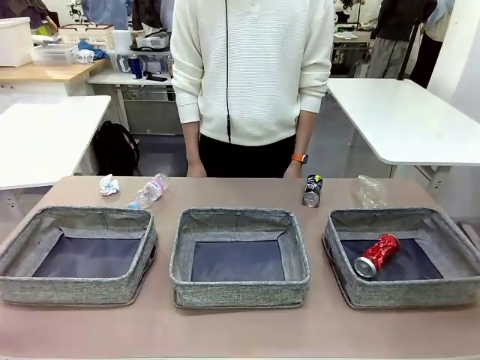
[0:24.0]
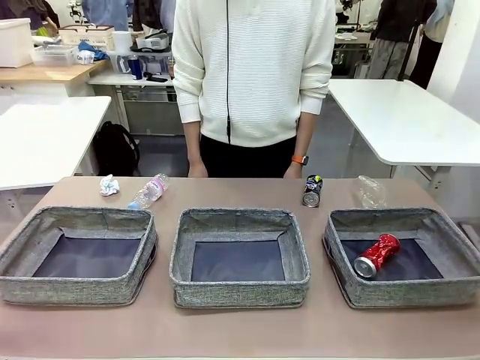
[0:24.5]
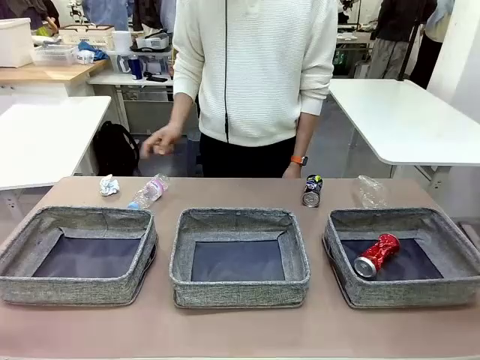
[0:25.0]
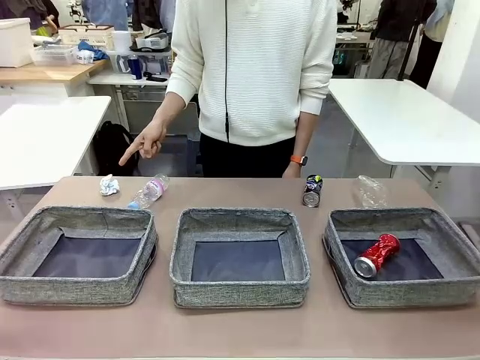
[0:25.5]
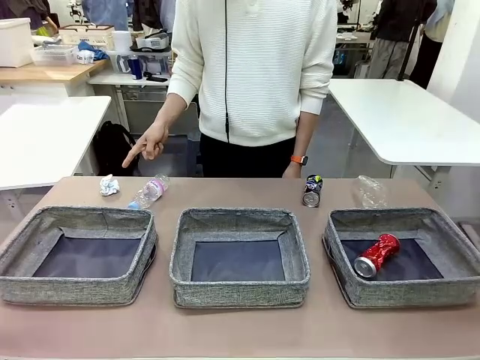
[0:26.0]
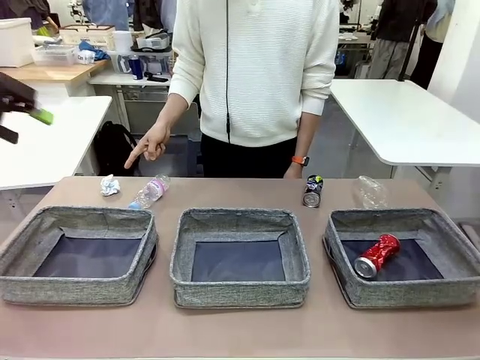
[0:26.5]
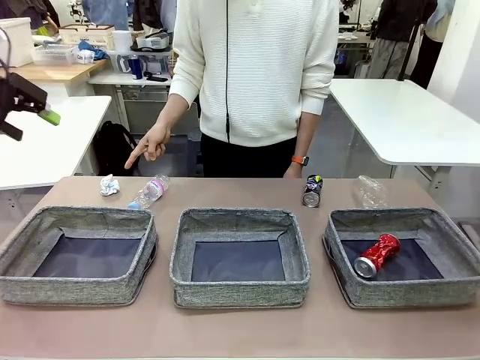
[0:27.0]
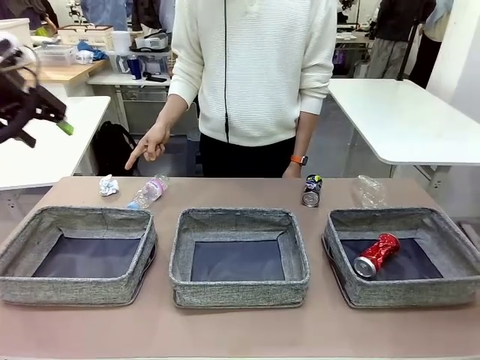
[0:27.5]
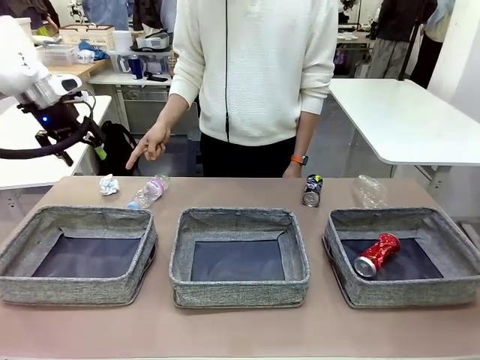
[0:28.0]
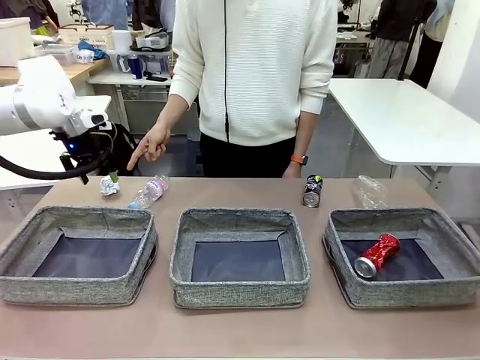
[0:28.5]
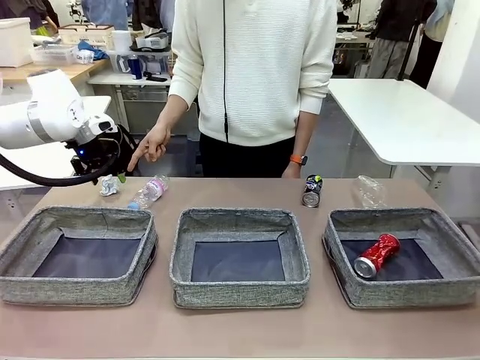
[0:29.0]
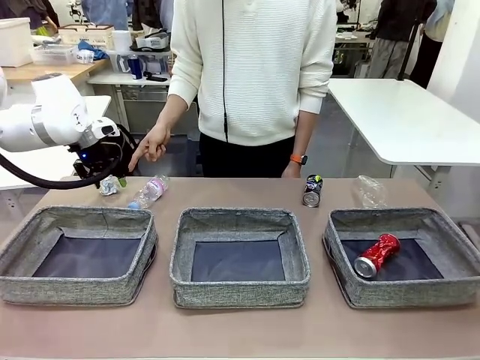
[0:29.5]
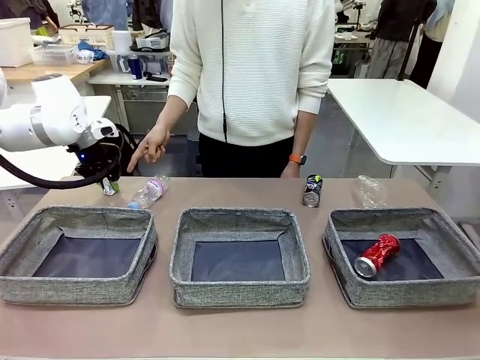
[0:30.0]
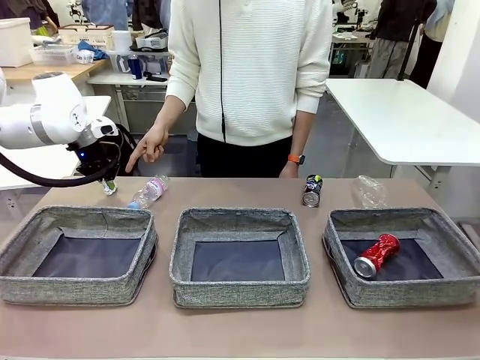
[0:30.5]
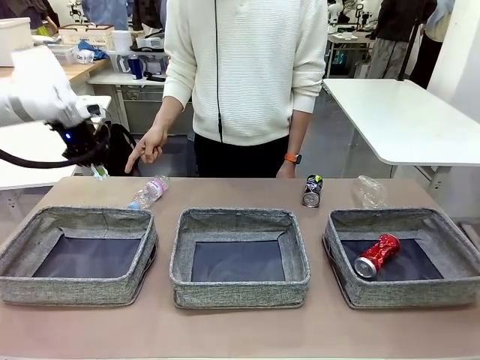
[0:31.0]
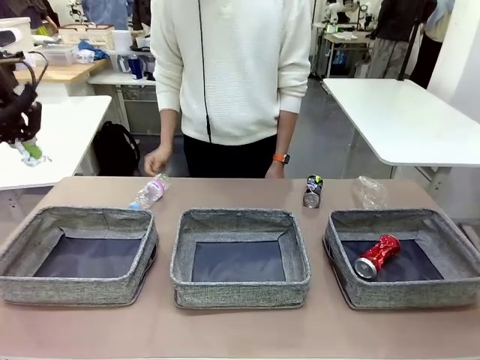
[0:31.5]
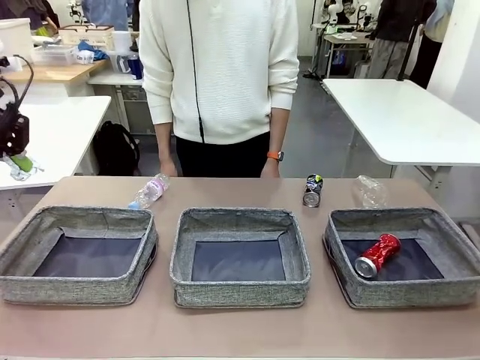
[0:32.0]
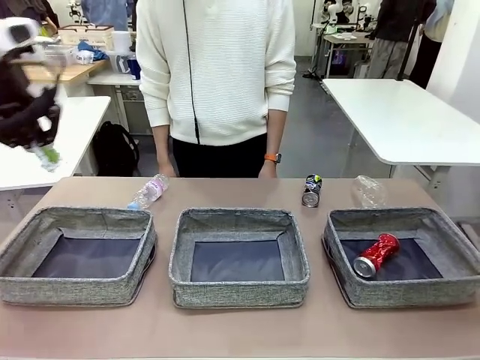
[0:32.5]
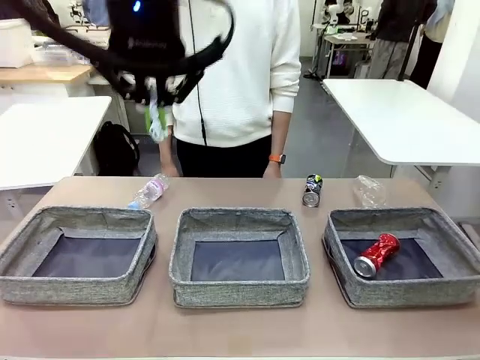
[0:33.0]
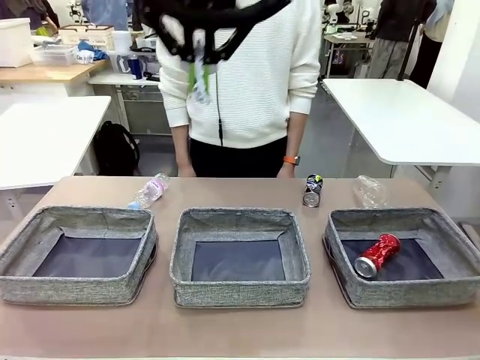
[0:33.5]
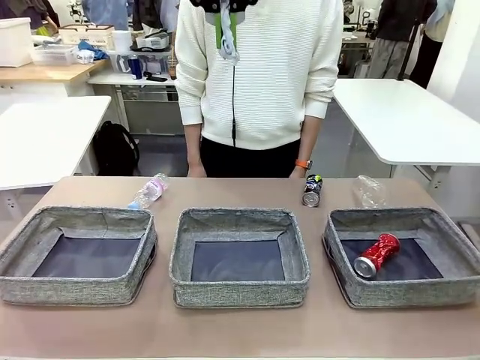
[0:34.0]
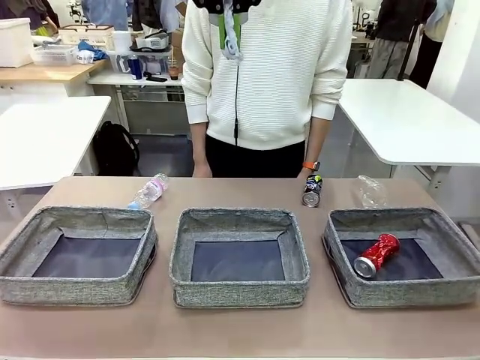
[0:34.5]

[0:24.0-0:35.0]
Task: Sort the waste into the appropriate baskets.
Robot: Pick up the waste item pointed out by the person.
Person: Points to one piece of trash on the table.

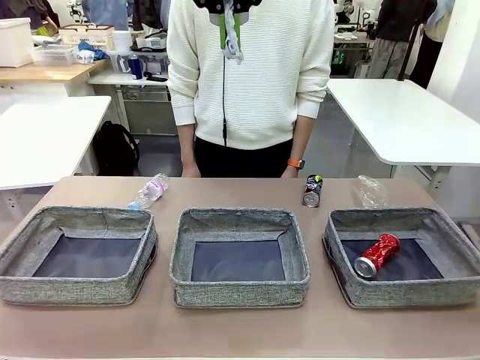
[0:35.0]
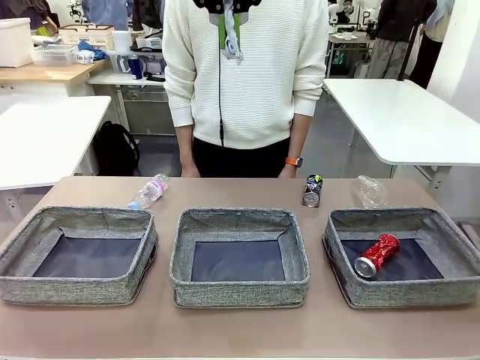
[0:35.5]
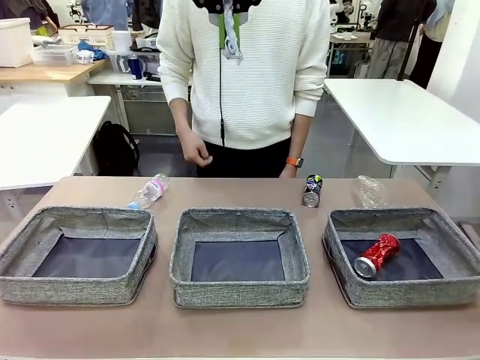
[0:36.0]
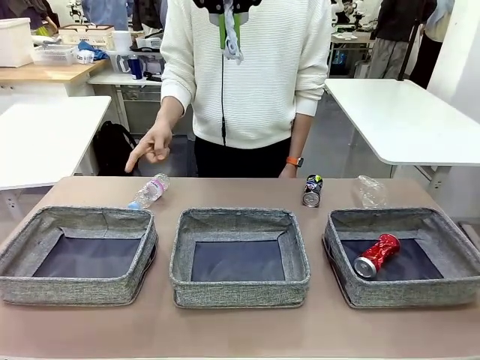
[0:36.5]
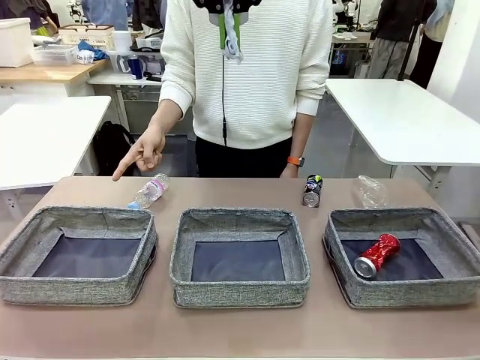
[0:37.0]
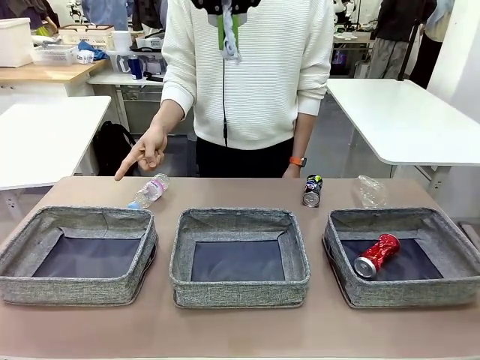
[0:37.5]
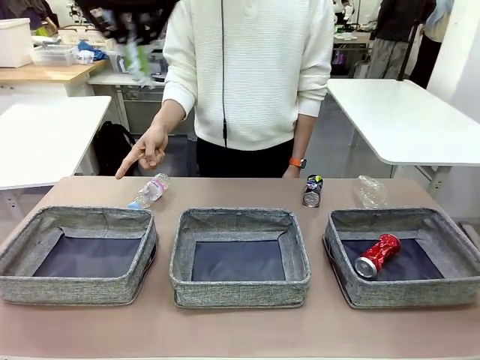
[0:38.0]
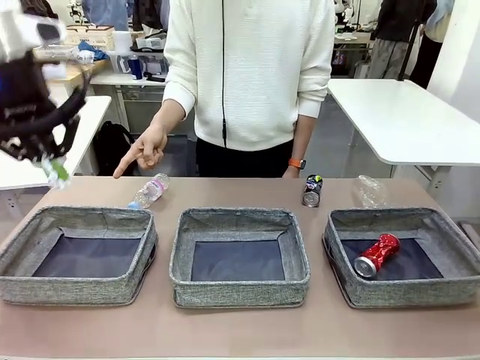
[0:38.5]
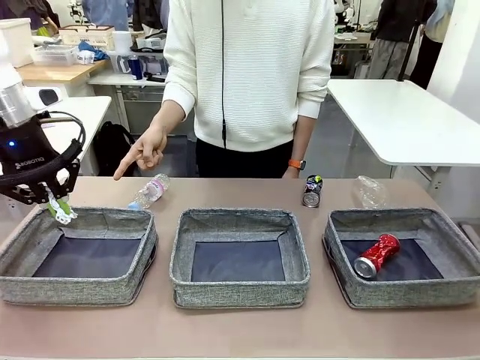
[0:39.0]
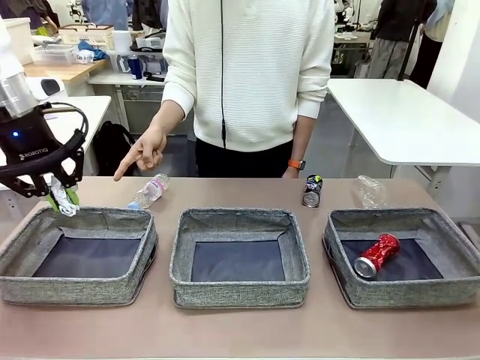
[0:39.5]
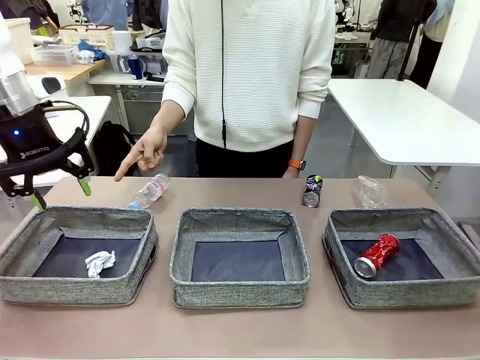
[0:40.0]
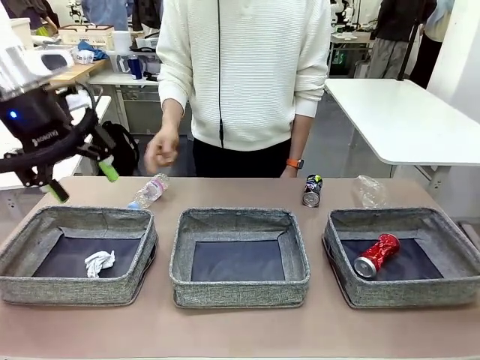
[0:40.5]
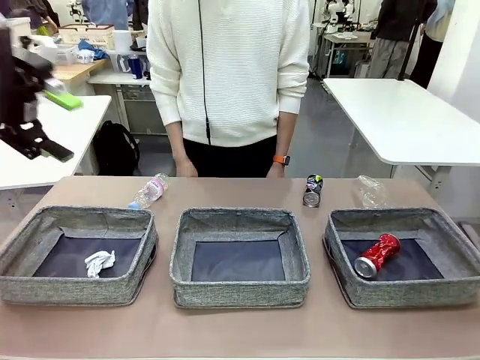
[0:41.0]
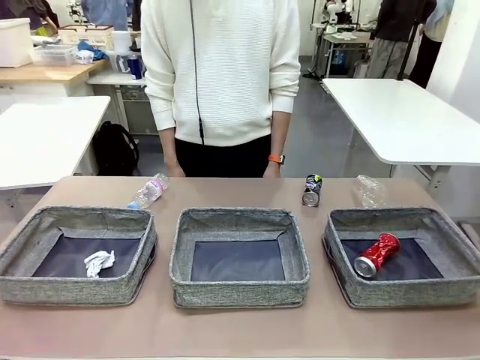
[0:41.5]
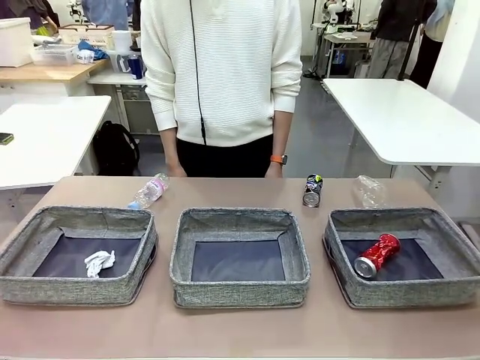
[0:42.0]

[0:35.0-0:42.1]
Robot: Place the picked waste into the Fabric basket indicated by the person.
Person: Instructs the robot to place the picked-up trash into the appropriate organizing basket.

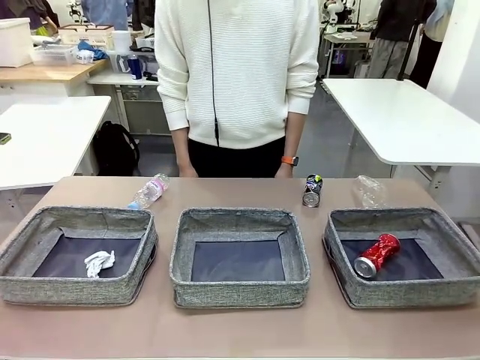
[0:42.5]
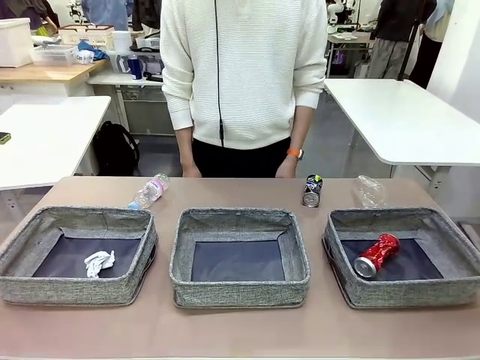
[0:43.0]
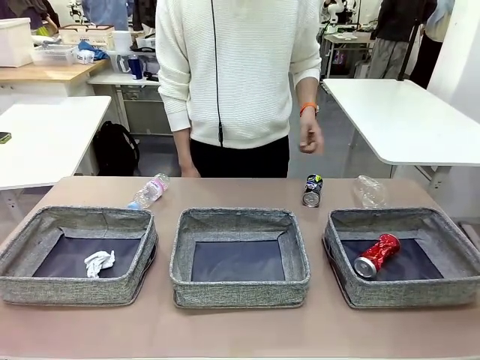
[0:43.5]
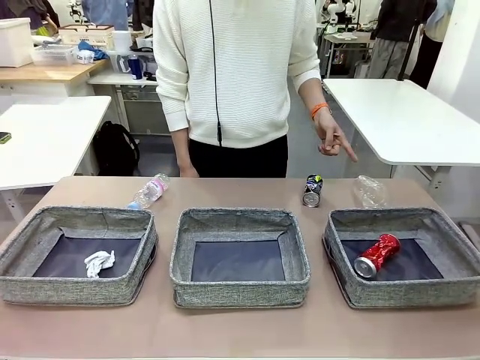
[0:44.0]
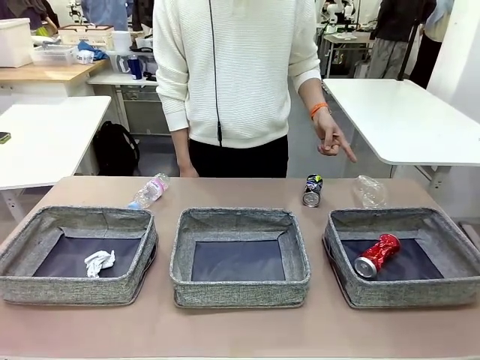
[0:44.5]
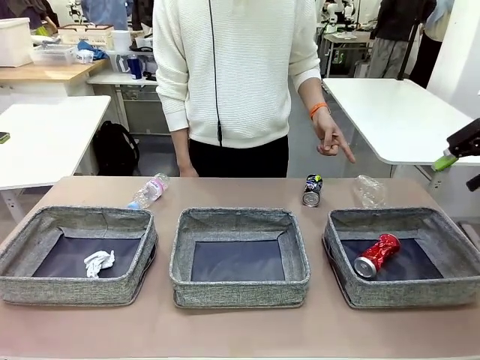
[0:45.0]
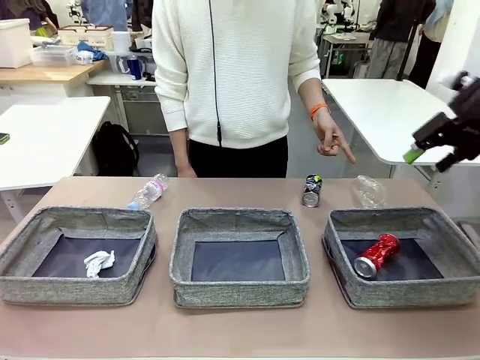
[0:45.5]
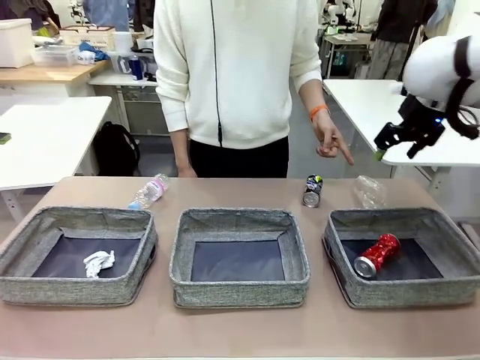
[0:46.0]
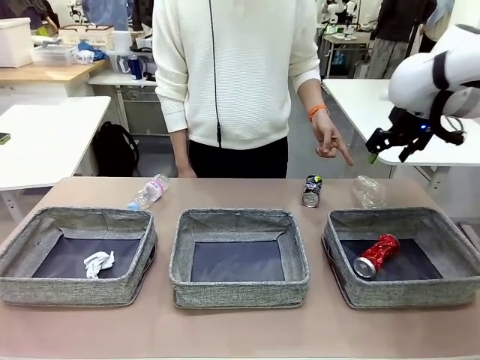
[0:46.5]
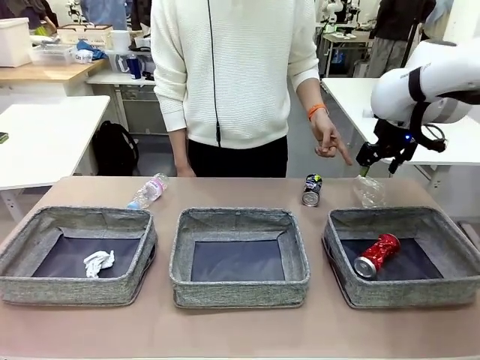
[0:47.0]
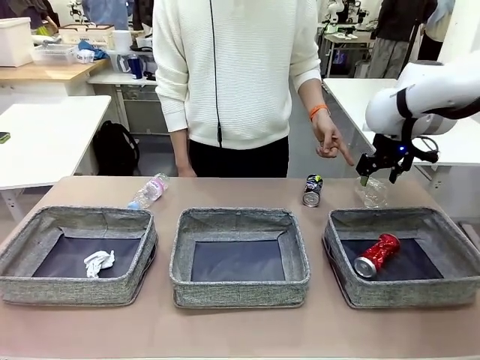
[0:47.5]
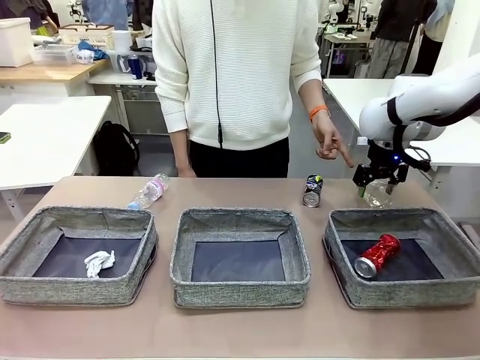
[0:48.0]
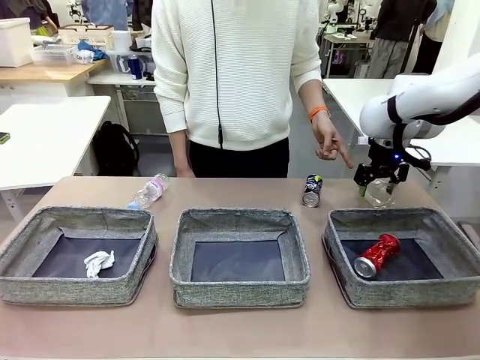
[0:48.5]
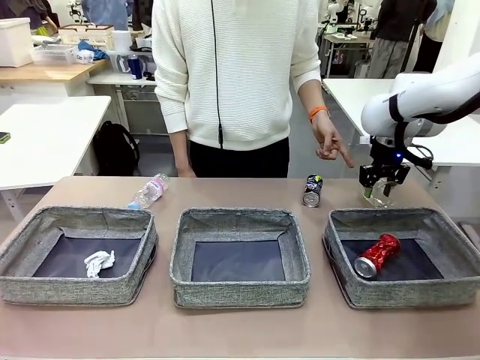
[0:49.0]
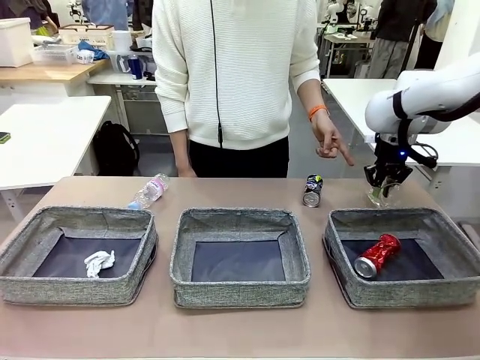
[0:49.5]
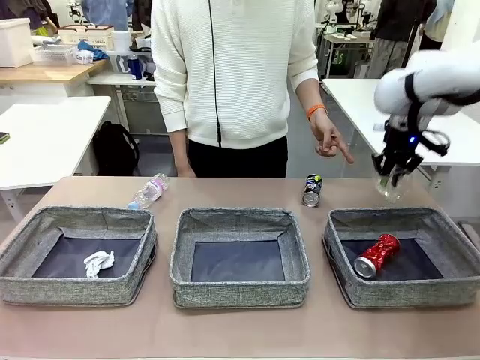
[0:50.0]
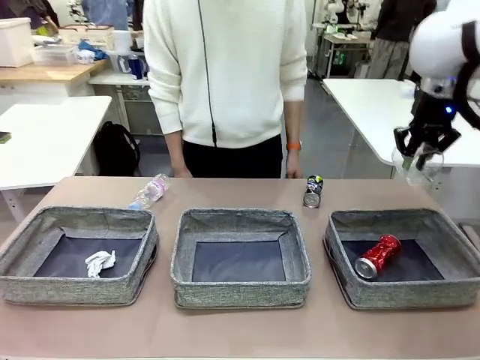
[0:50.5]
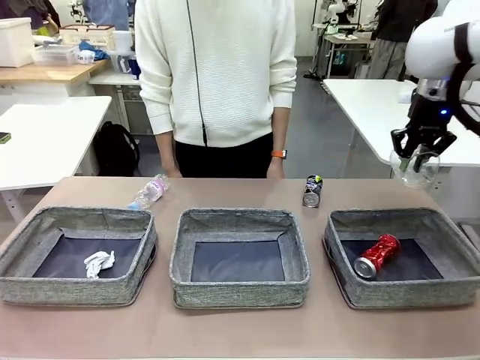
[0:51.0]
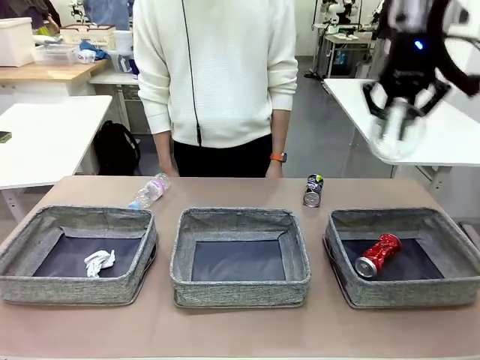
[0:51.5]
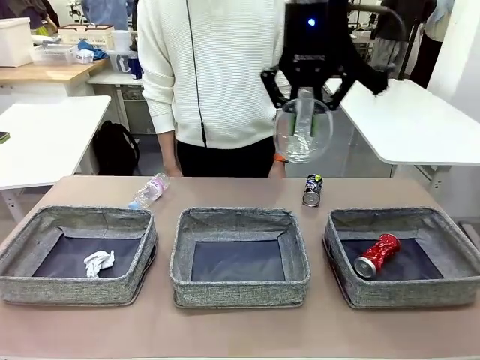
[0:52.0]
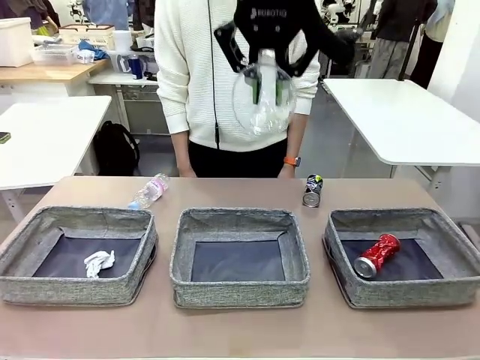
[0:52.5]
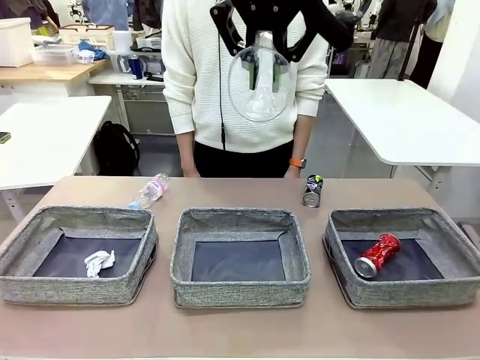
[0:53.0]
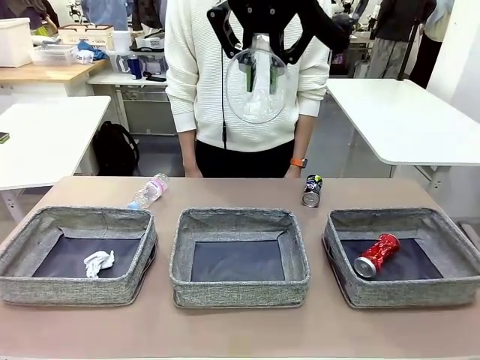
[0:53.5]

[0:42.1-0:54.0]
Robot: Pick up the waste item pointed out by the person.
Person: Points to one piece of trash on the table.
